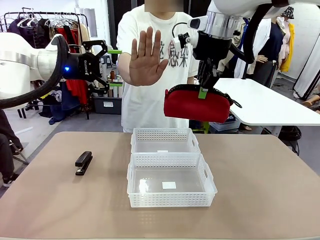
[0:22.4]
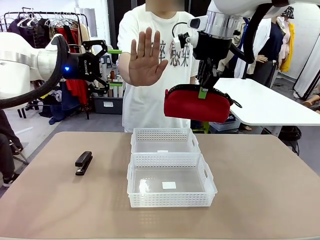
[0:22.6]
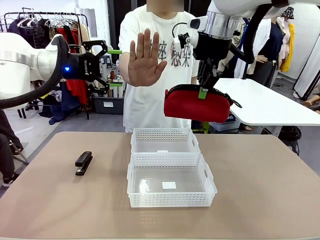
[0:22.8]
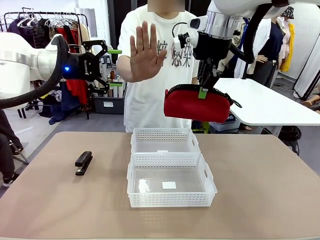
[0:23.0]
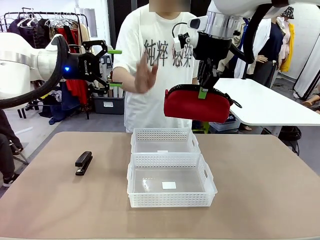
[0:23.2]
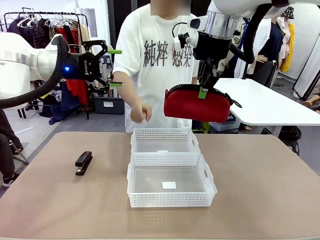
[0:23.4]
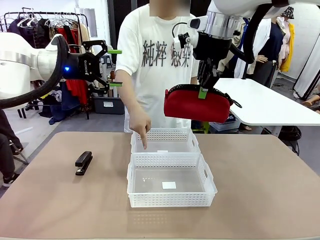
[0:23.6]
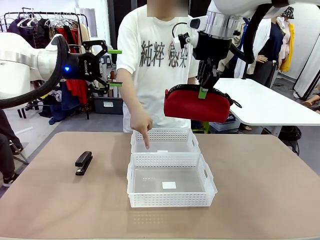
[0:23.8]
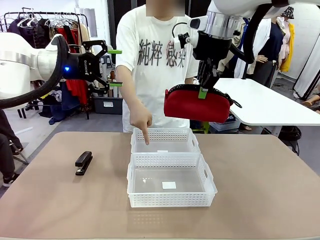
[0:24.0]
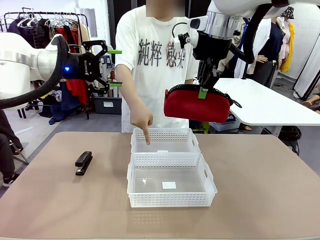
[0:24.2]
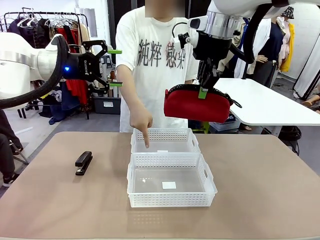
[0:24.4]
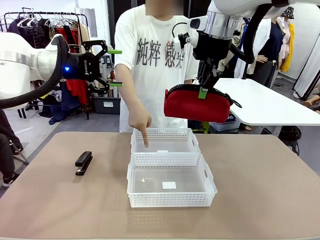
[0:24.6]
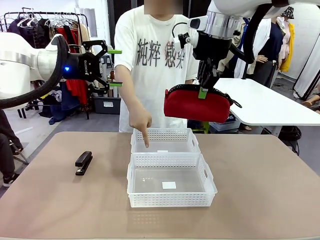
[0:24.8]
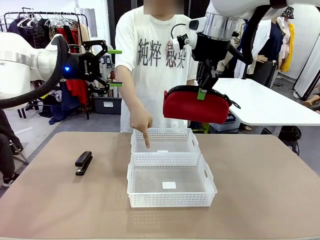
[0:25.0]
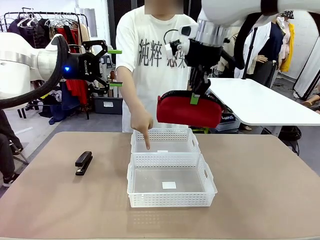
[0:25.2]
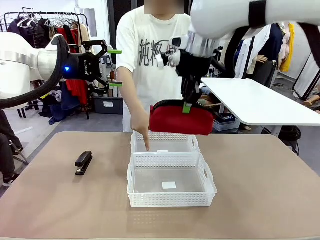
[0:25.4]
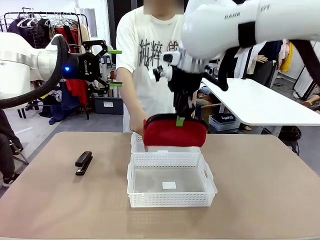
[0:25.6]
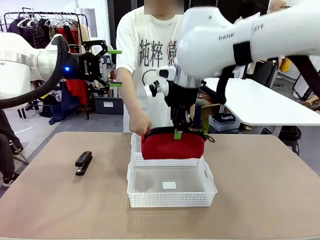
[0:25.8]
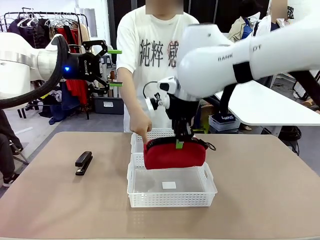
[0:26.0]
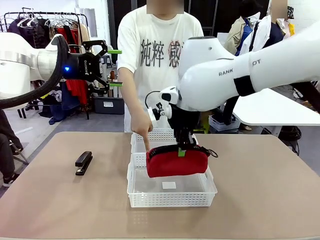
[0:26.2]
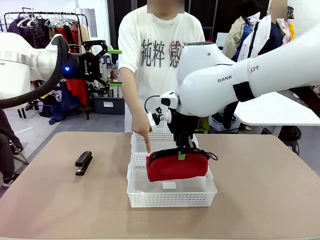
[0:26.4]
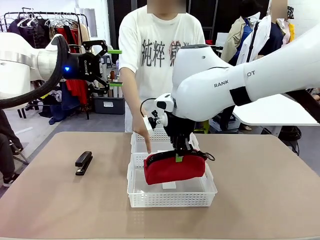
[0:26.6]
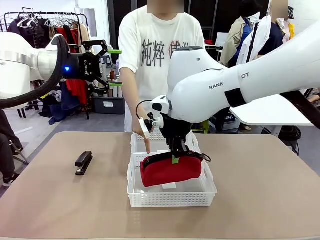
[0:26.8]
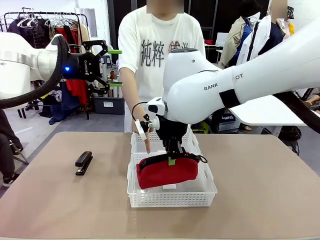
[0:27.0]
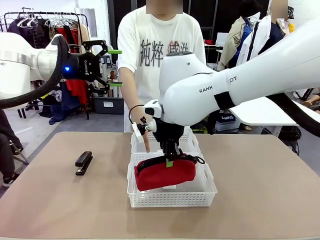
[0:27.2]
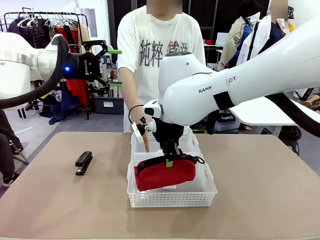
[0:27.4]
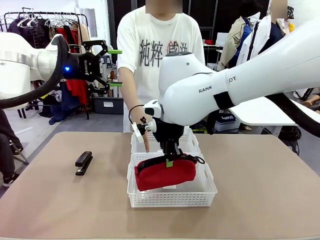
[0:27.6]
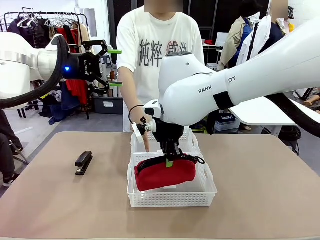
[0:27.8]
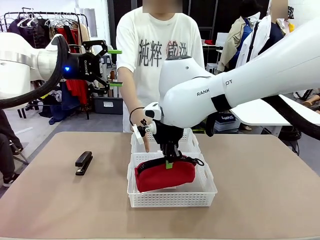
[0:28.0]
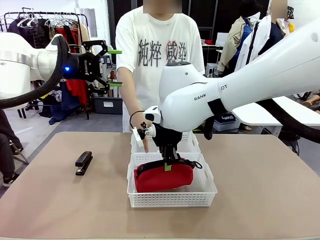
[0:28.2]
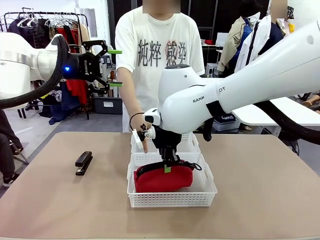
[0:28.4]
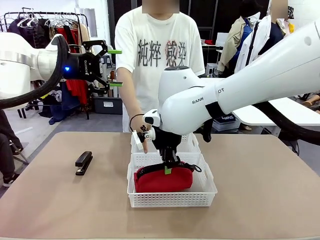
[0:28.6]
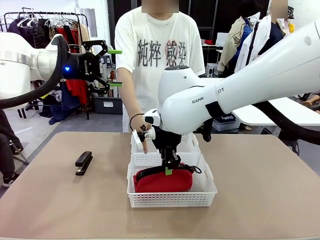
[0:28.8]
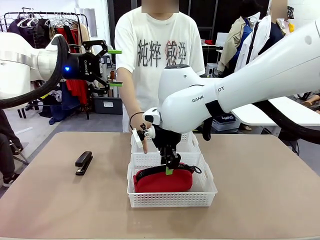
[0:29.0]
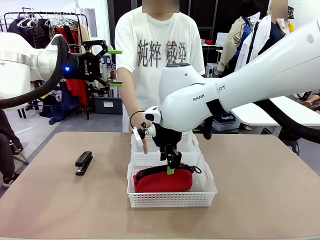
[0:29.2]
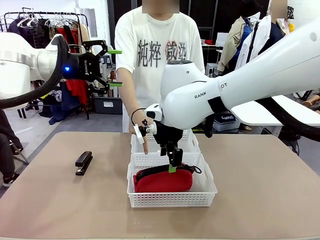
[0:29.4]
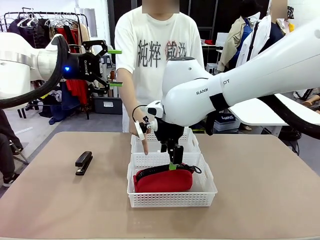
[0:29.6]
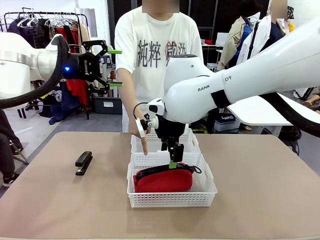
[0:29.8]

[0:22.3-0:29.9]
Task: Distribute items into two baskets.
Robot: Place the picked Pencil pouch into the Organizing basket as instructed by the person.
Person: Instructs the robot to place the pencil case into the opposite basket.

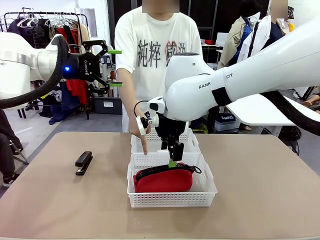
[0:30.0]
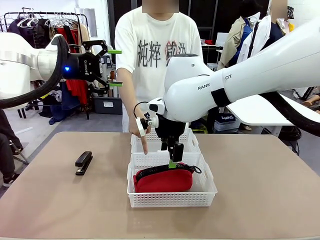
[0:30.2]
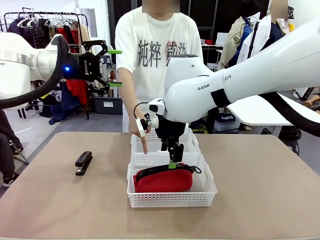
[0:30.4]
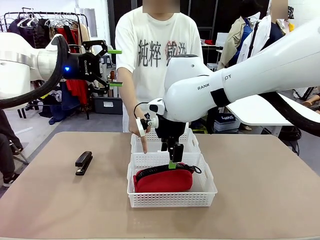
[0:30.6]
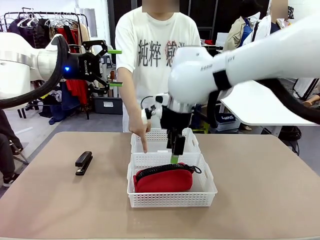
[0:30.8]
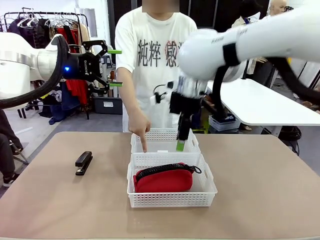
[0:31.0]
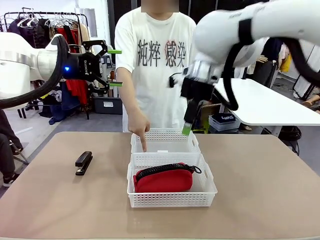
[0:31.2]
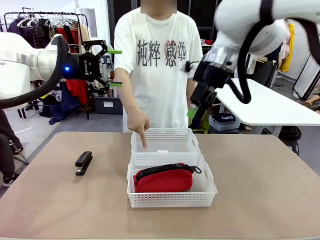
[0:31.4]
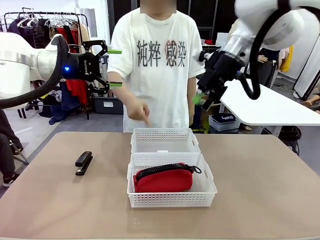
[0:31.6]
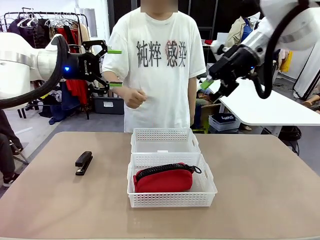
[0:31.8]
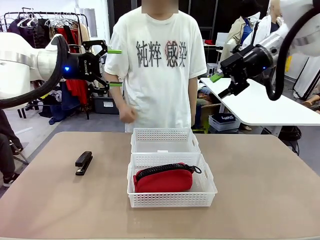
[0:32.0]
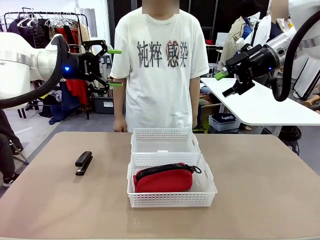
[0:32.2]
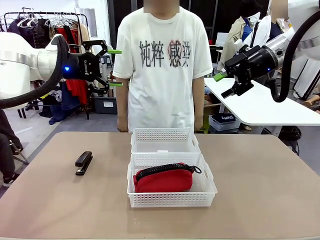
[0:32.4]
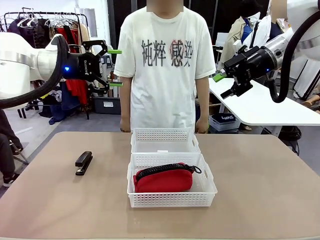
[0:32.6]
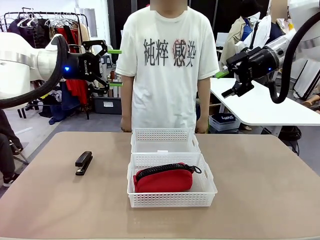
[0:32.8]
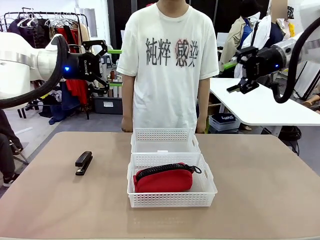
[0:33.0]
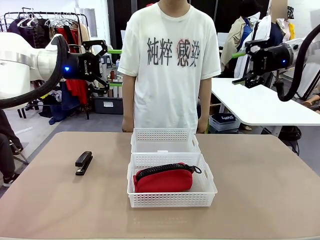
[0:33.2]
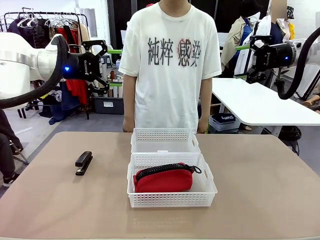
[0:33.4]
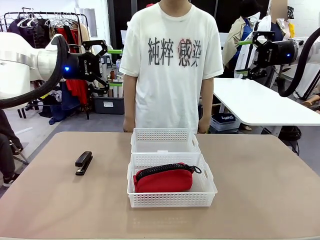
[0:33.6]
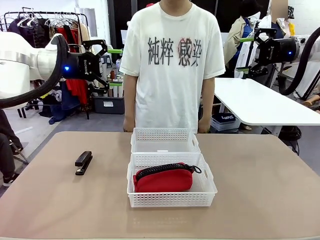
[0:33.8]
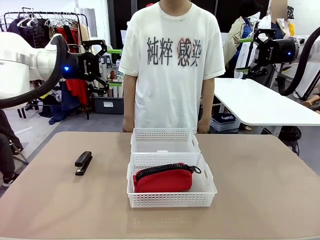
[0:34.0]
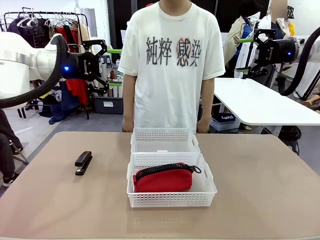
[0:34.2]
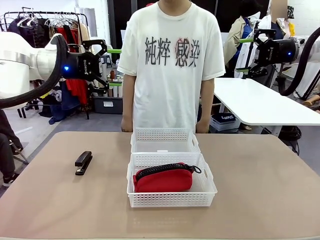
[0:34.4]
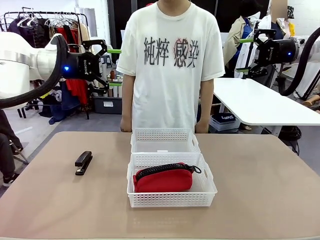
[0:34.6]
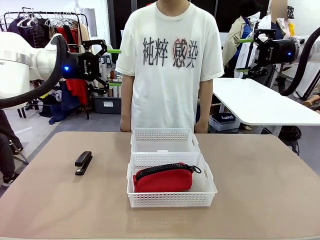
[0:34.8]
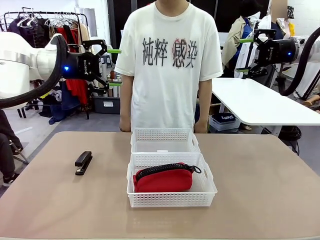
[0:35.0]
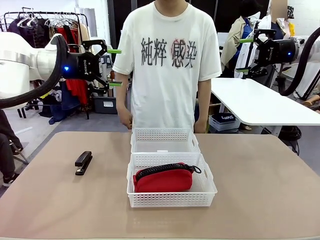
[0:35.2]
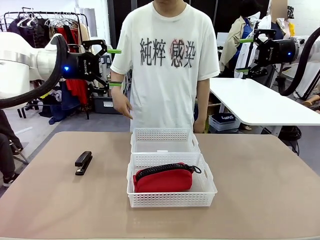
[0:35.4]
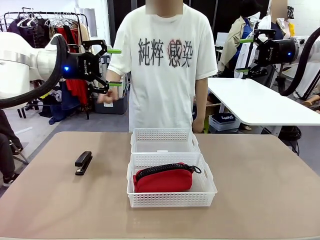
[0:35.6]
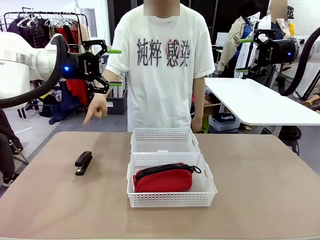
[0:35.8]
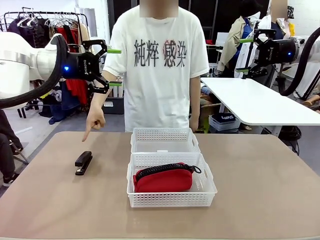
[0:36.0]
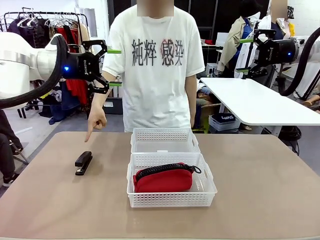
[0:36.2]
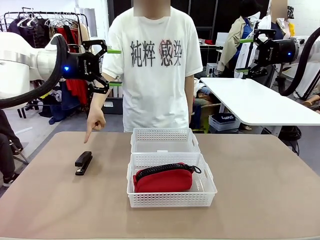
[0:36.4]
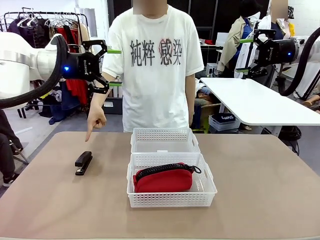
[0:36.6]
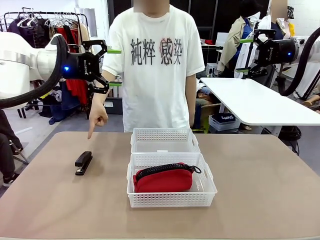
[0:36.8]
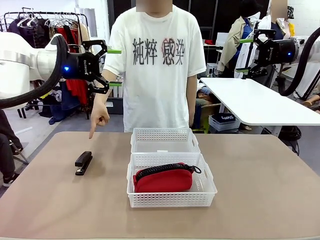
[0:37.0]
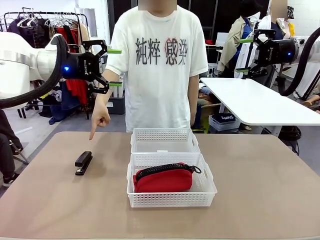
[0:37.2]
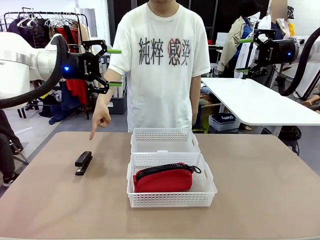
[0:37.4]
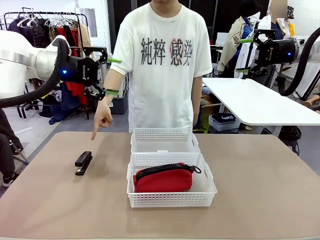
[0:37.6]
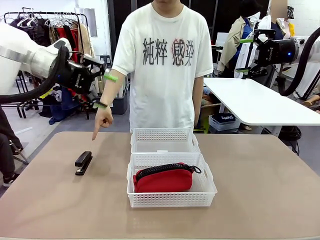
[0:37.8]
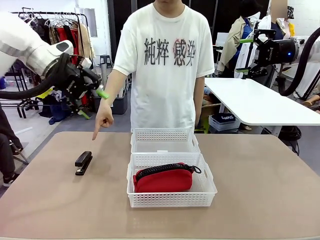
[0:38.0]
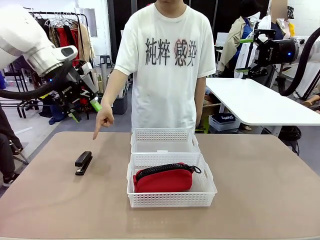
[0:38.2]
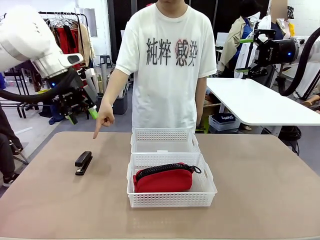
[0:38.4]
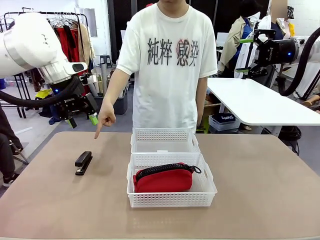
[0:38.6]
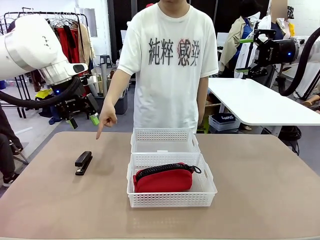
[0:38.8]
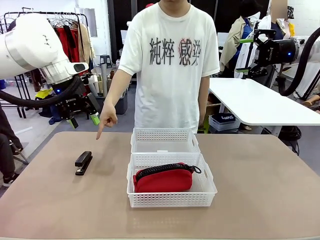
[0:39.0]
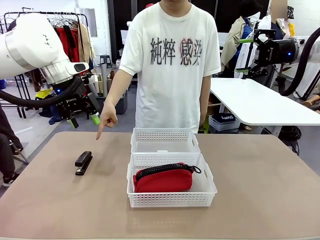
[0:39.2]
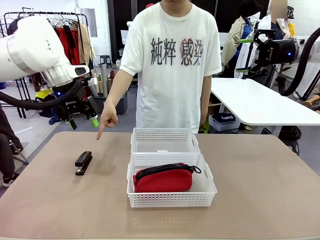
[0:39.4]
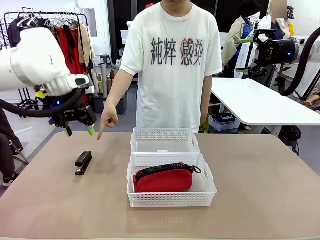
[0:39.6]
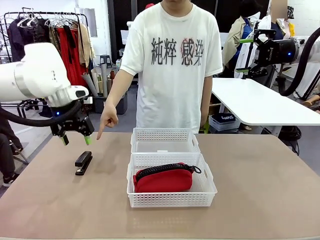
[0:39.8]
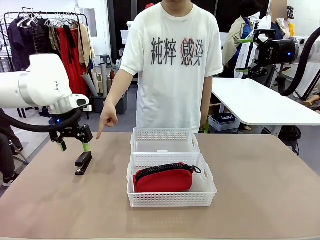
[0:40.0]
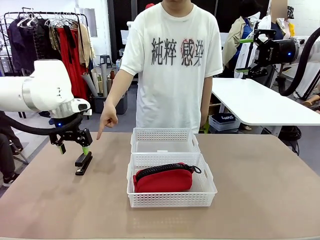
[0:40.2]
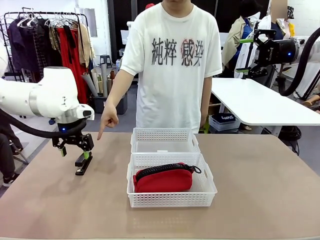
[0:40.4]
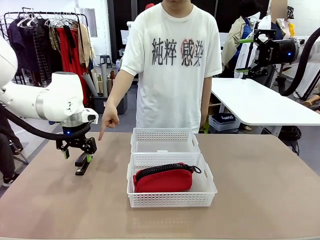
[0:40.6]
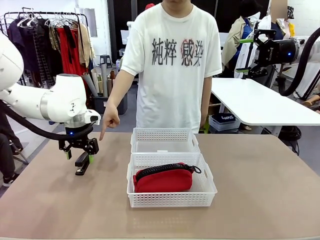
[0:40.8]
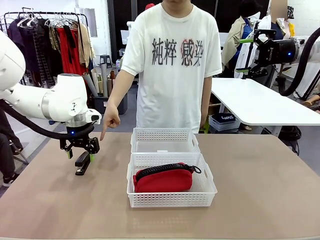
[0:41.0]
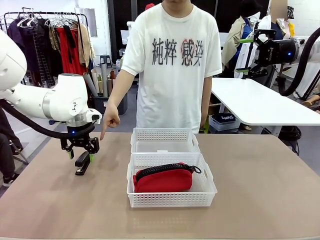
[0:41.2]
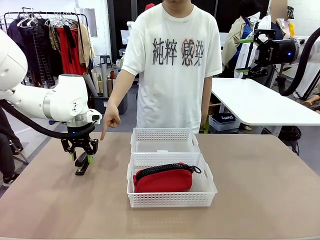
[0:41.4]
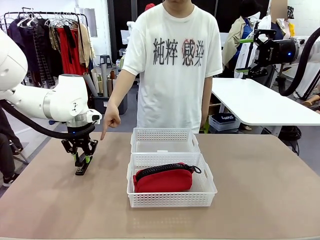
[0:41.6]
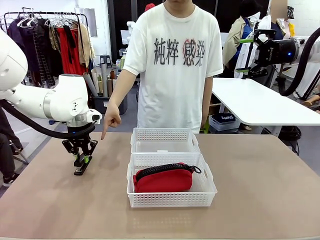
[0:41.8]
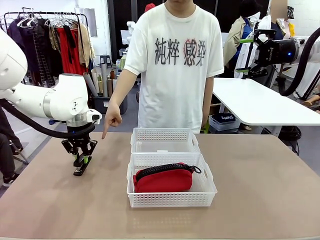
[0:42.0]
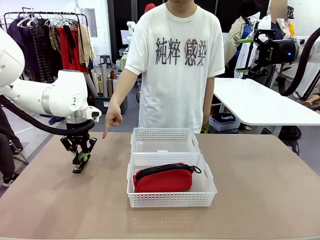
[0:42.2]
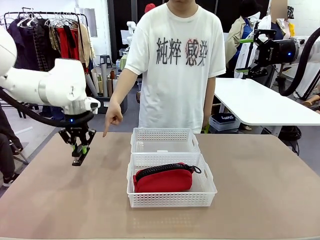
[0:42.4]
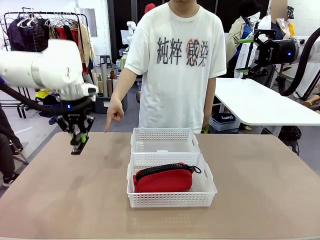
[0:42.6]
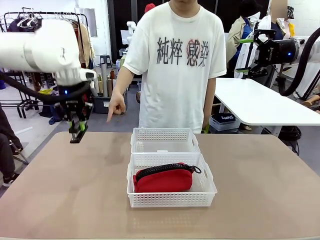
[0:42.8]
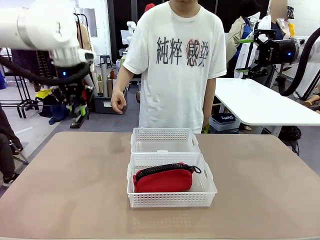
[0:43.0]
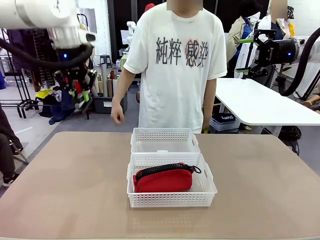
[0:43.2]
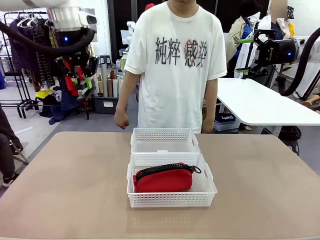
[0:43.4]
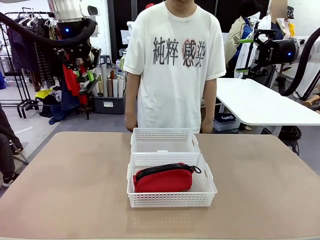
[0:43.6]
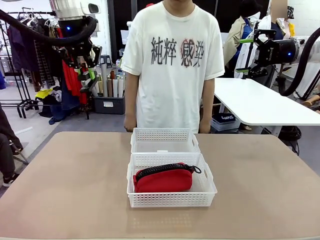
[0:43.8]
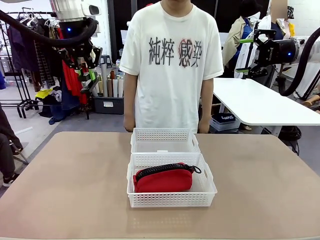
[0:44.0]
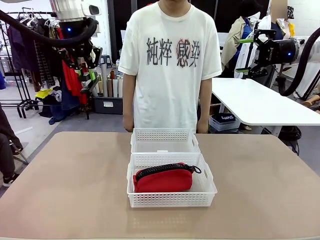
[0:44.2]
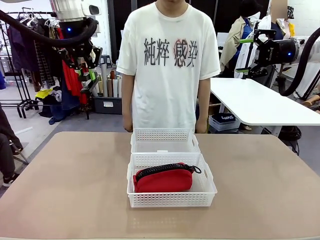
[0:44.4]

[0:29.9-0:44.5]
Robot: Pick up the Stapler that the person points to.
Person: Points to the stapler.
